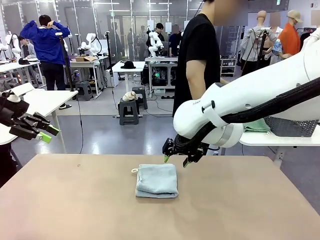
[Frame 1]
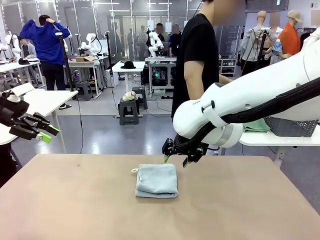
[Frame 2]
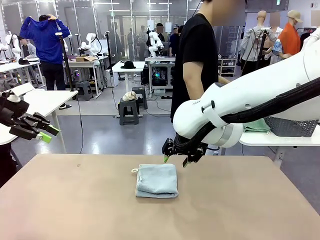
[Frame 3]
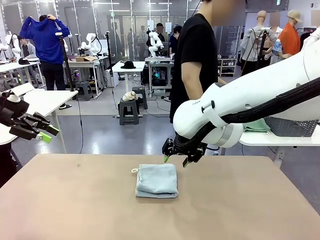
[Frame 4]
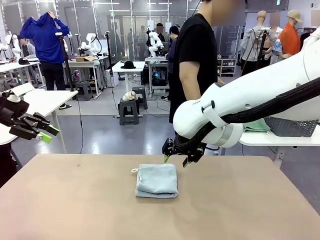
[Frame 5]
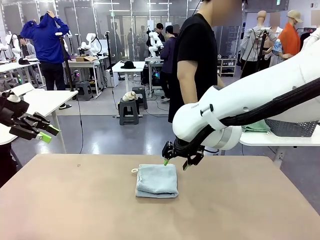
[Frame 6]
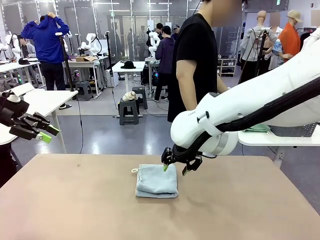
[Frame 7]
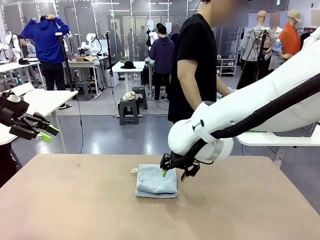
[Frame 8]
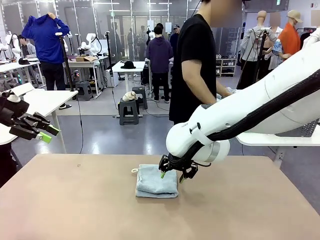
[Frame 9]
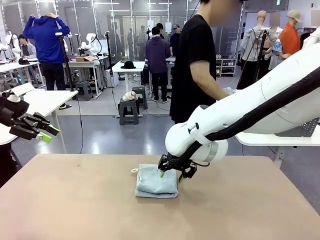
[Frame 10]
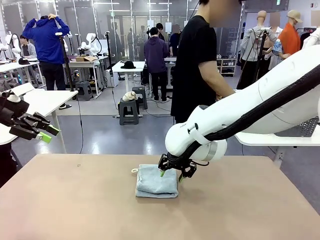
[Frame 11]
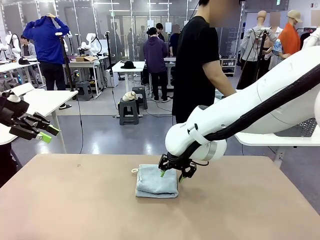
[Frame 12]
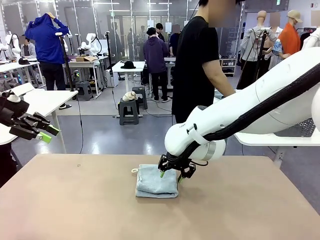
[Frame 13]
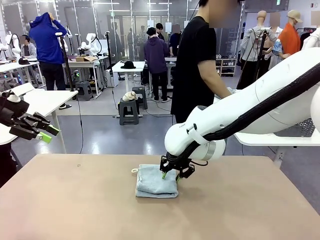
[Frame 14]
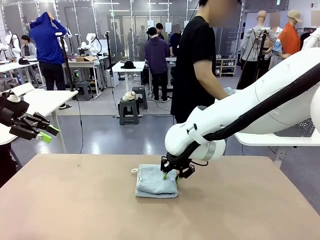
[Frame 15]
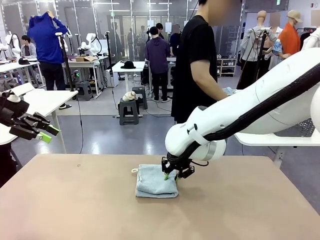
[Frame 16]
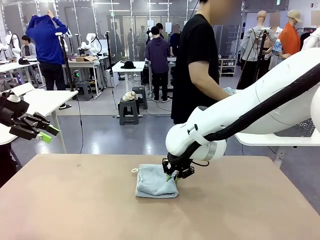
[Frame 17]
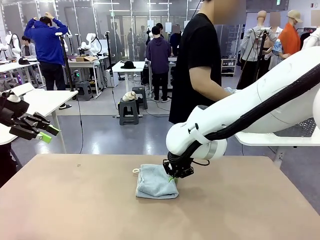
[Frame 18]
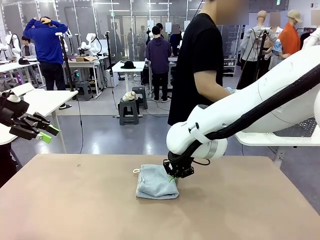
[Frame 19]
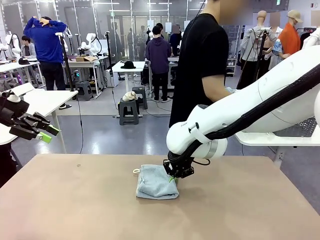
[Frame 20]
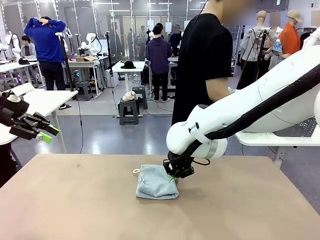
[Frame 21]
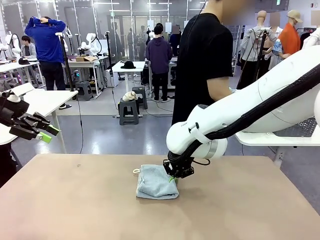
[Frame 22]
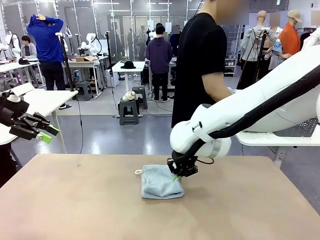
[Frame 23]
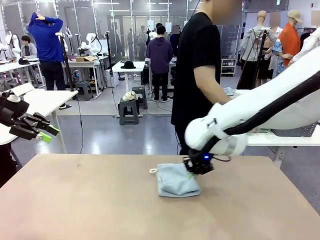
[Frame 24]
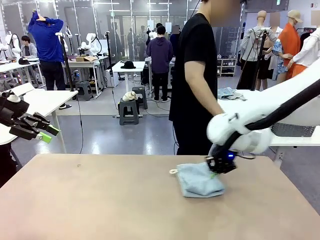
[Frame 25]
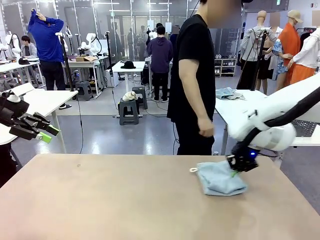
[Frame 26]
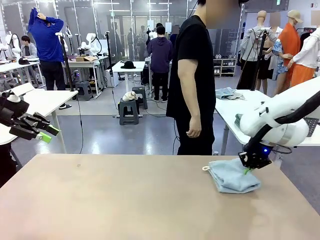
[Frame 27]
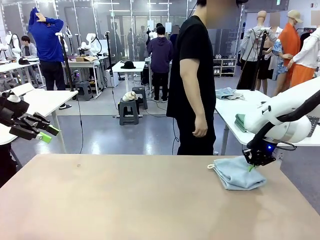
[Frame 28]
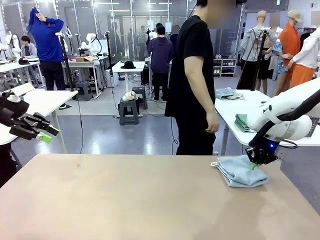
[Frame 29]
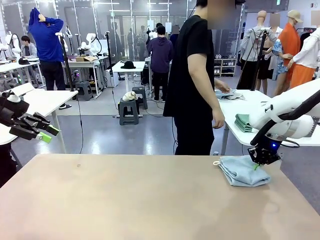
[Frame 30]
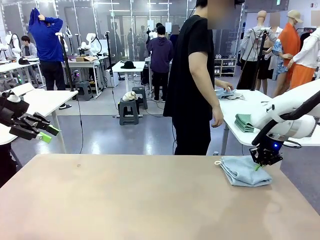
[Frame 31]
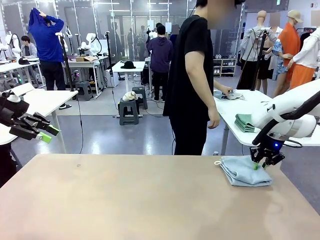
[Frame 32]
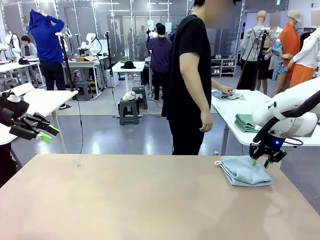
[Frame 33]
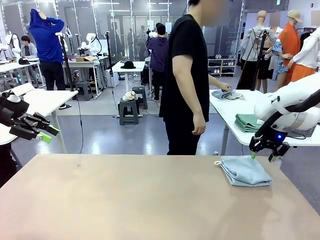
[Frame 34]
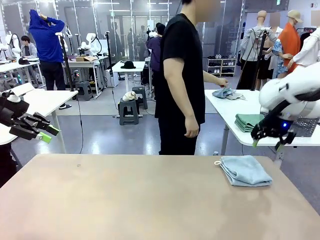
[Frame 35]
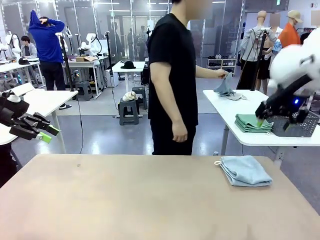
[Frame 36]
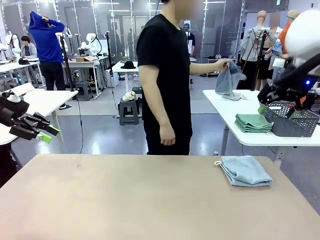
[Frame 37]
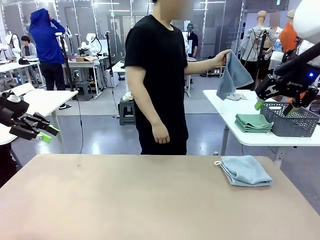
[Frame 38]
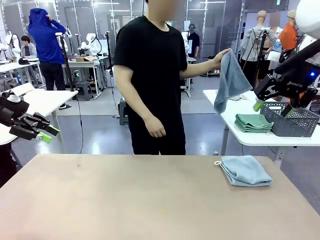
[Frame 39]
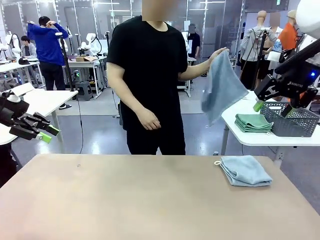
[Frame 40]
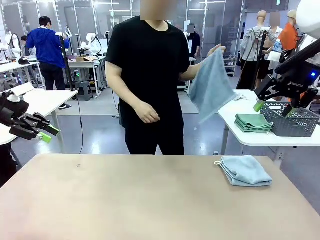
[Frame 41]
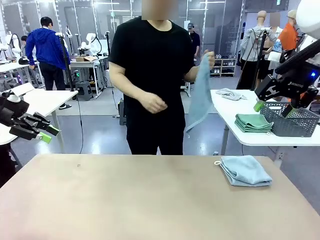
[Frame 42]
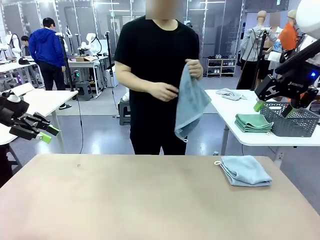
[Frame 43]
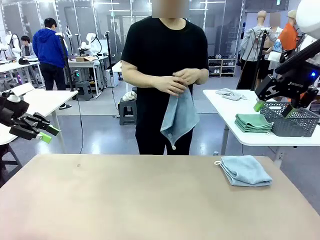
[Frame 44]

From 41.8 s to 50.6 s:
Task: Fold the towels and place them in the basket.
Robot: Place the folded Towel with hook on the right side of the table.

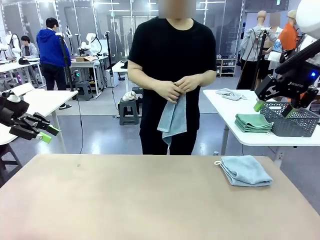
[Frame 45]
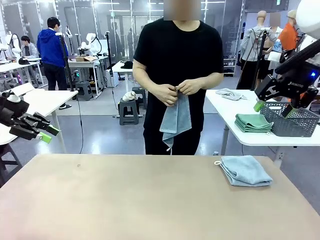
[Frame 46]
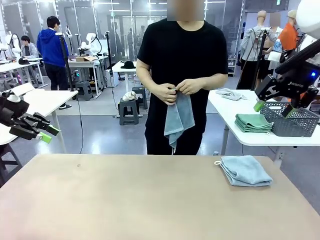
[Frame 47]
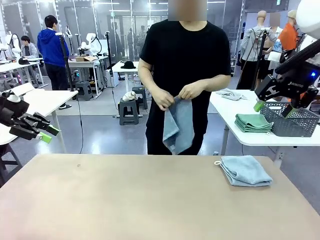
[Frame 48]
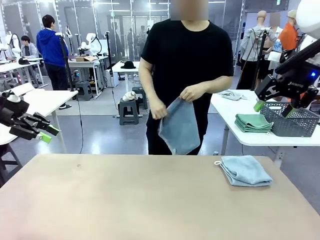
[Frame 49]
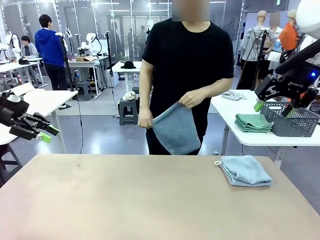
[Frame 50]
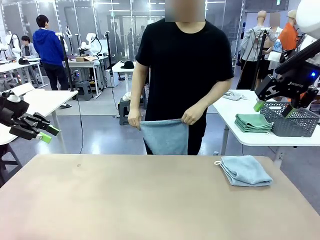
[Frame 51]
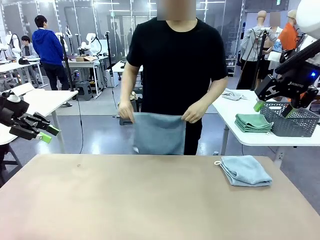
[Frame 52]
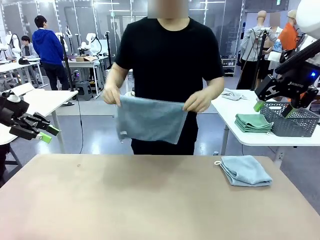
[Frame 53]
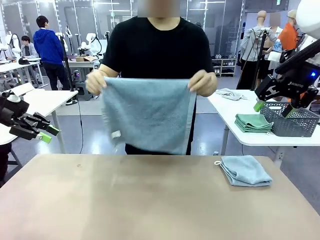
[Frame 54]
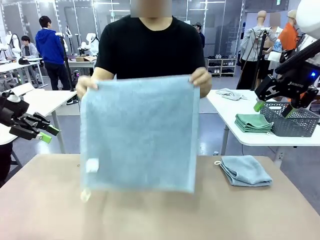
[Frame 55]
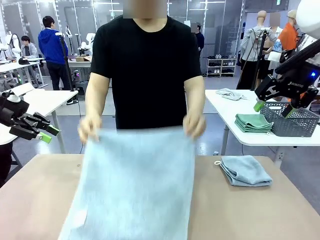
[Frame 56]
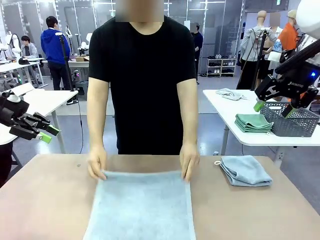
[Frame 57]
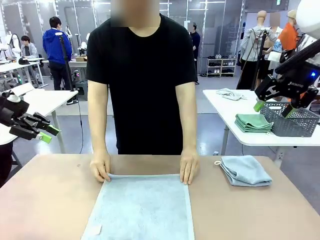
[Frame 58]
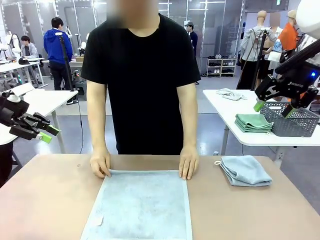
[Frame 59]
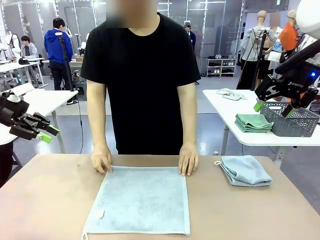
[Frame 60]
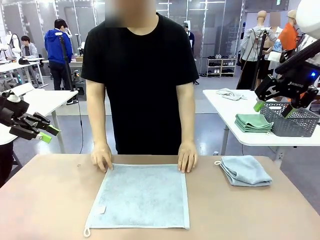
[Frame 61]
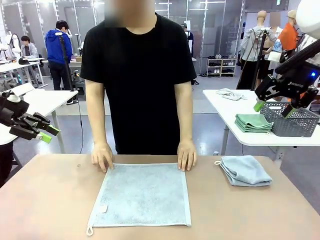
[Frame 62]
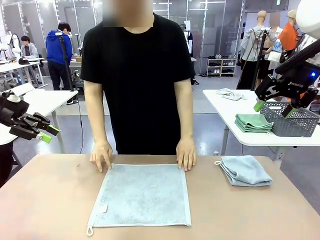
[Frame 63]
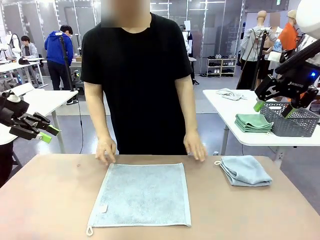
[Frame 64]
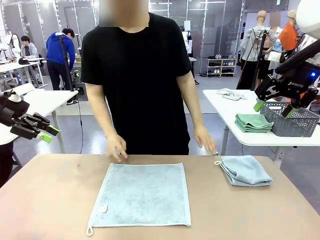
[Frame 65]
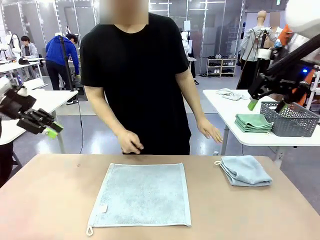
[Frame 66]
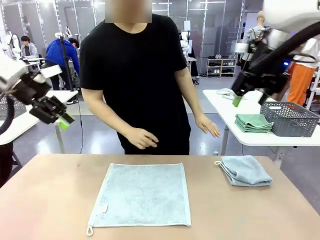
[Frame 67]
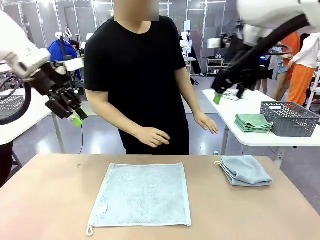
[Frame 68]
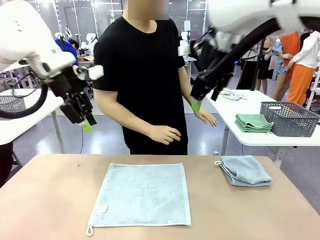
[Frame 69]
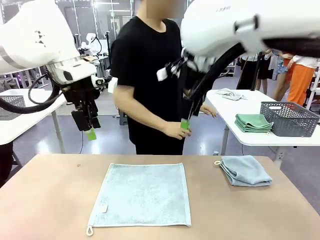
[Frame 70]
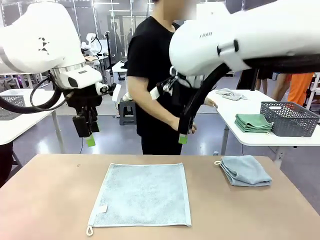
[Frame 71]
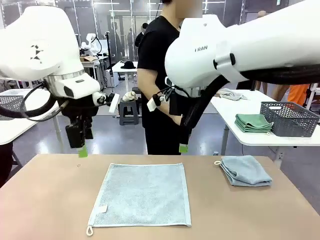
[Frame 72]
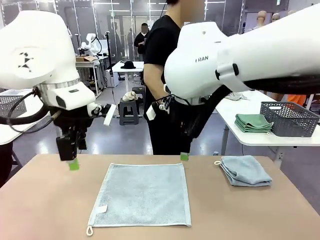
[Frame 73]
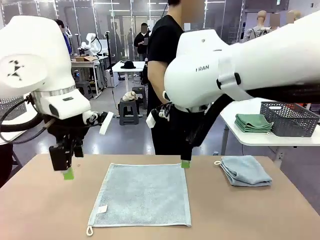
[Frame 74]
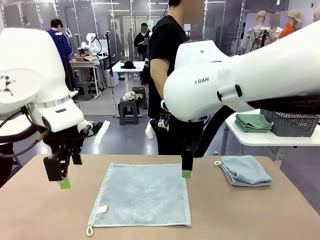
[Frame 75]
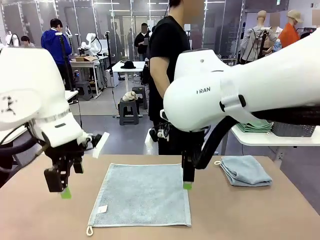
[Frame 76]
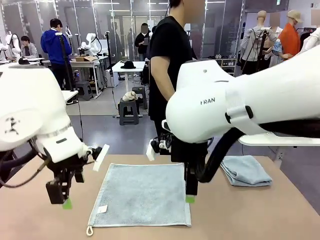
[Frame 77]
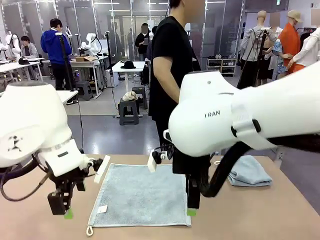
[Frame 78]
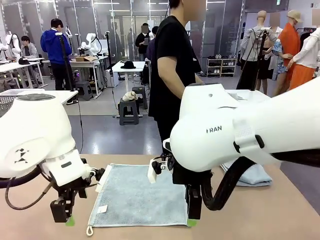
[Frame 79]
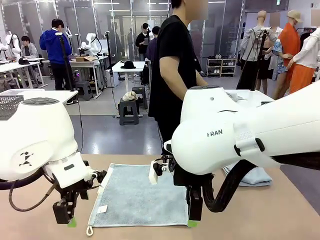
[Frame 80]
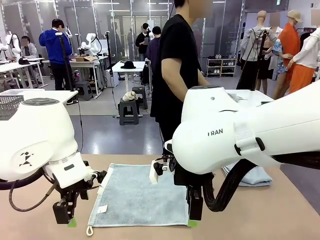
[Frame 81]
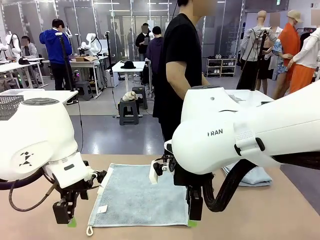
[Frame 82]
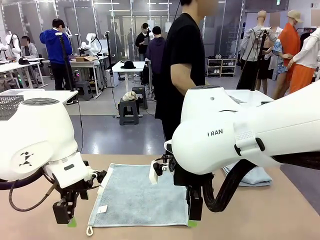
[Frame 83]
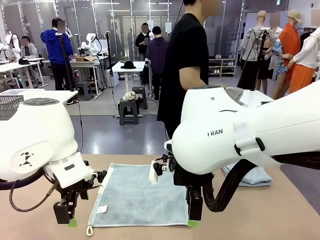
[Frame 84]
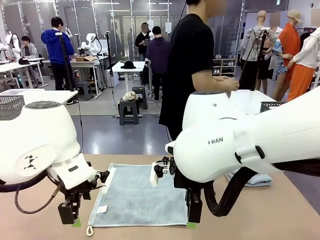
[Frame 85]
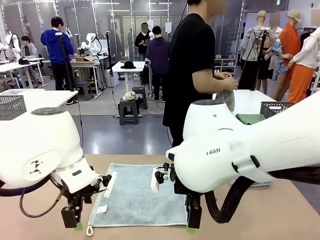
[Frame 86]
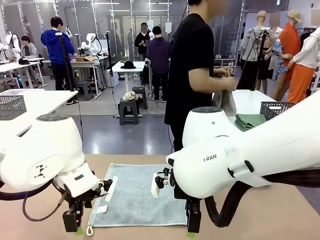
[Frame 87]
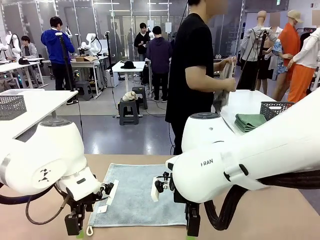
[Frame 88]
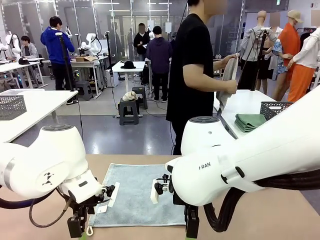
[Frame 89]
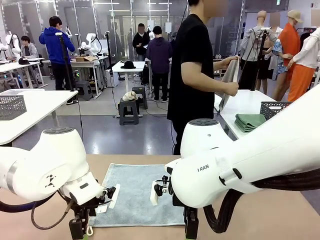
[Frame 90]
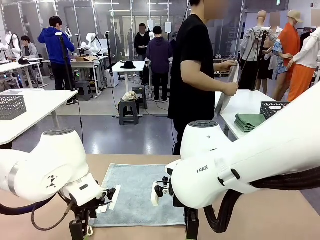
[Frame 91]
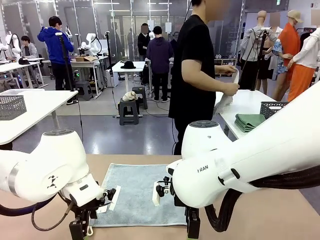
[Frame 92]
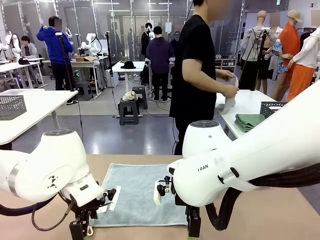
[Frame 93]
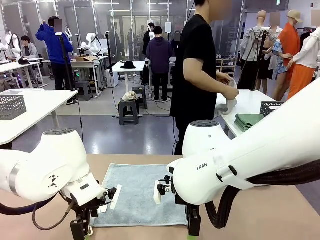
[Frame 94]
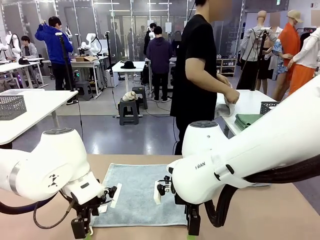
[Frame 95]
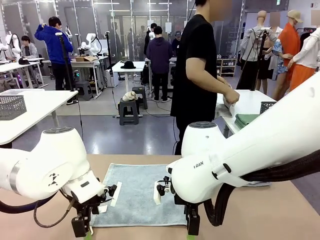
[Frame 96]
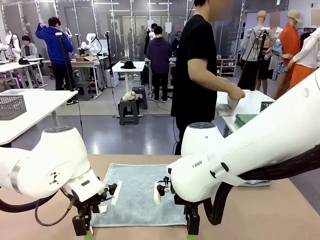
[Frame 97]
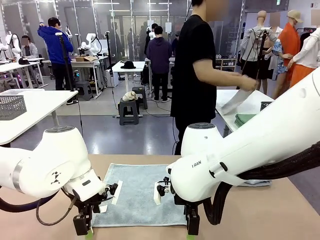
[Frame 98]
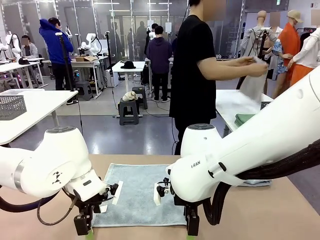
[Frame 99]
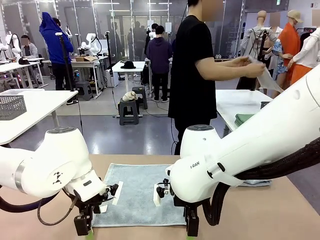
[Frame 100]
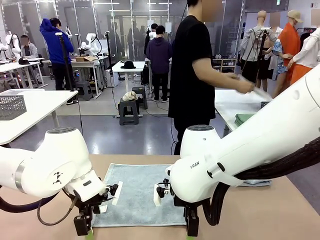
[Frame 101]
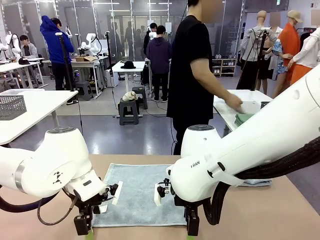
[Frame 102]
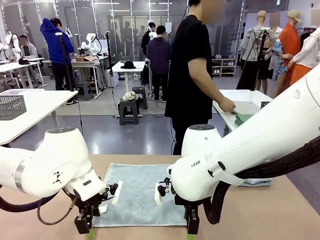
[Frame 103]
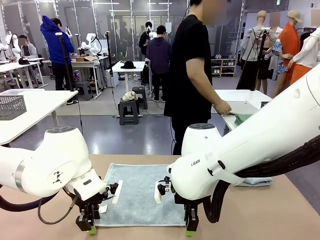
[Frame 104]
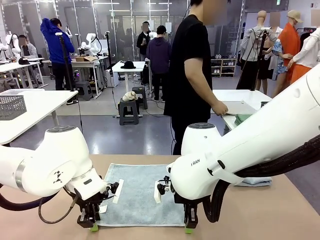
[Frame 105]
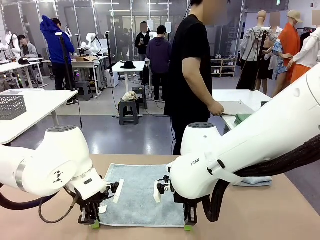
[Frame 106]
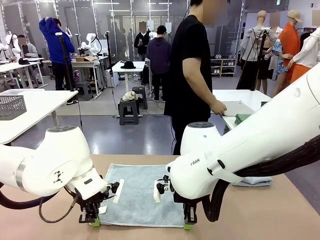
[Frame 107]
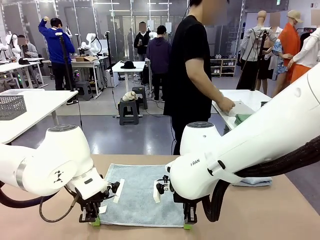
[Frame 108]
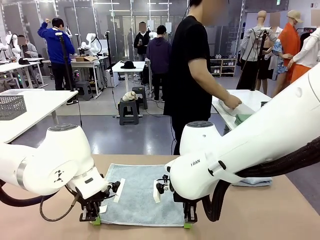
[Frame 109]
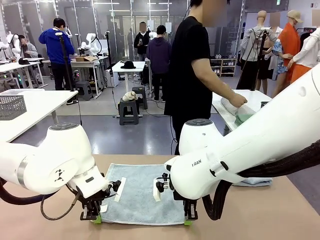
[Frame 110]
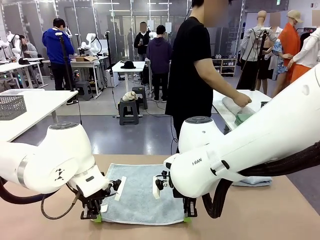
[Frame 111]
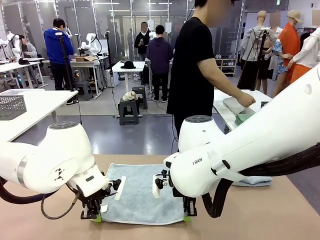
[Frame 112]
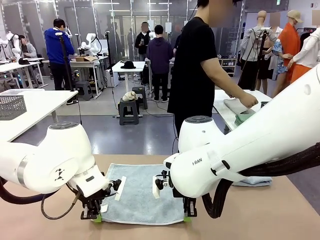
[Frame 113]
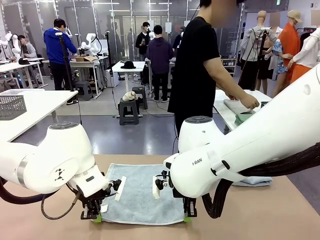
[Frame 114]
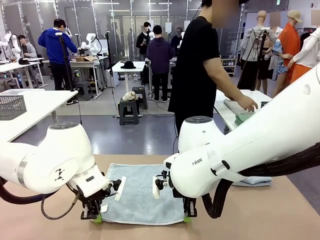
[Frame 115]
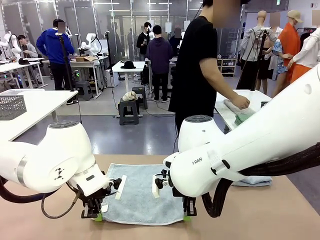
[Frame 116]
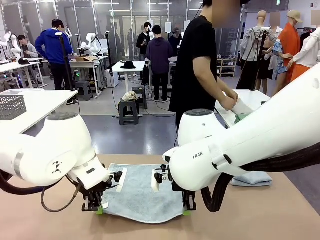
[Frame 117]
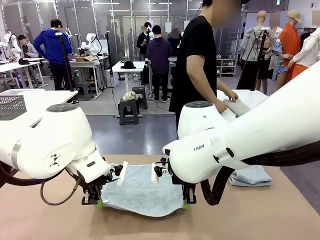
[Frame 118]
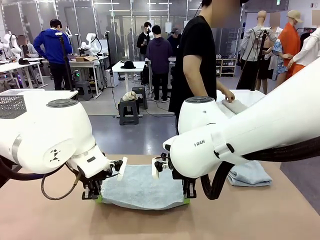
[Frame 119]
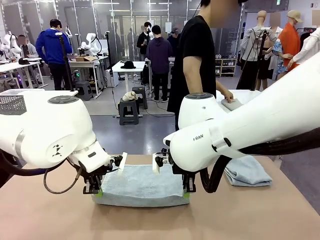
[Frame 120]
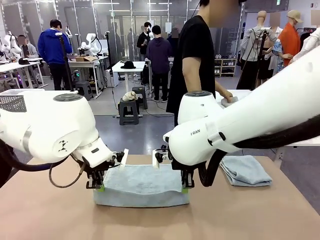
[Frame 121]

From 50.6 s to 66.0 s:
Robot: When a person lays out a Towel with hook on the table, fold it in half twice.
Person: Pick up one towel from the left side of the human table and spread it out at the center of the robot table. Pick up one towel from the left side of the human table, fold it in half twice, and stack it on the right side of the table.
